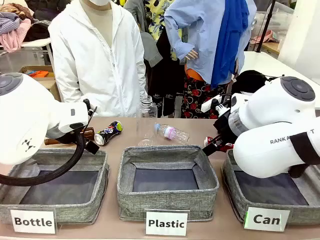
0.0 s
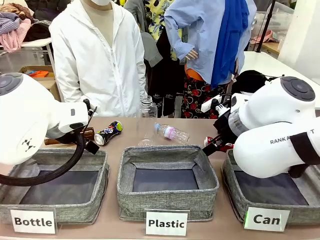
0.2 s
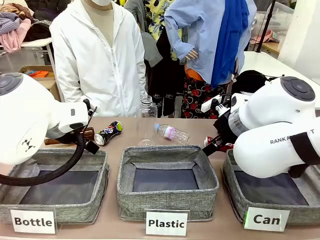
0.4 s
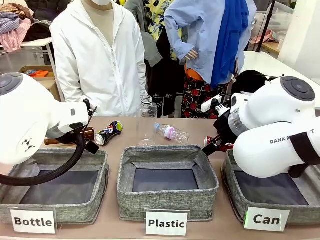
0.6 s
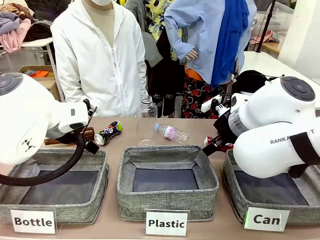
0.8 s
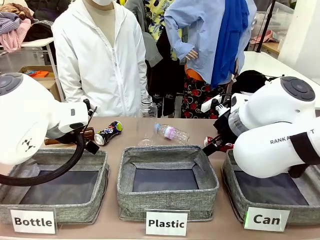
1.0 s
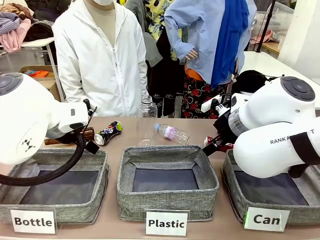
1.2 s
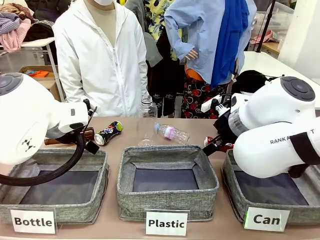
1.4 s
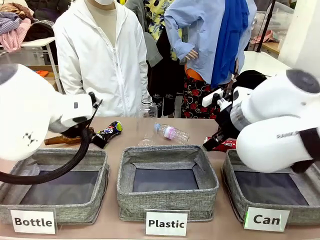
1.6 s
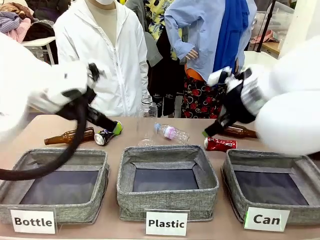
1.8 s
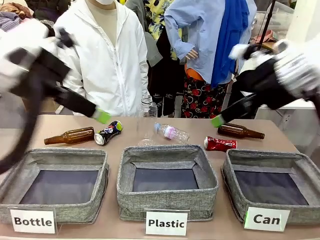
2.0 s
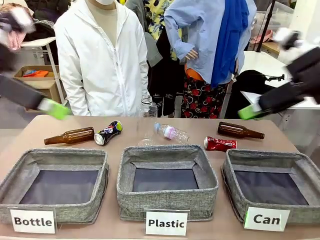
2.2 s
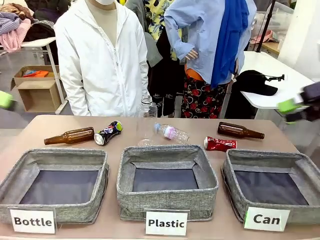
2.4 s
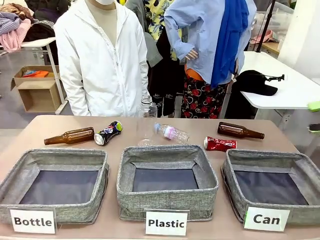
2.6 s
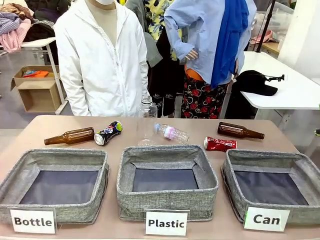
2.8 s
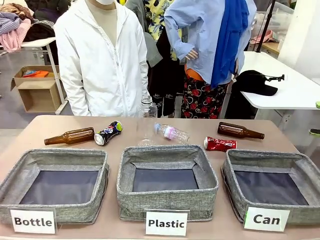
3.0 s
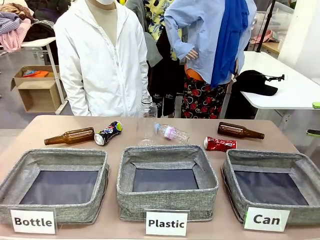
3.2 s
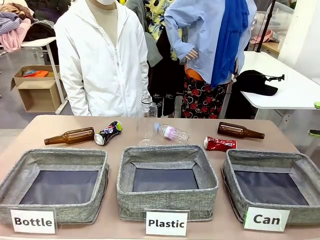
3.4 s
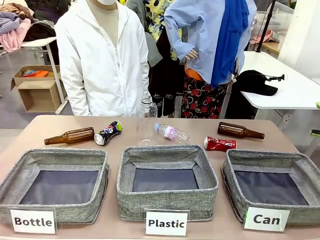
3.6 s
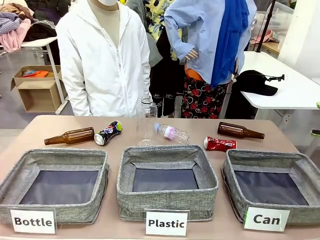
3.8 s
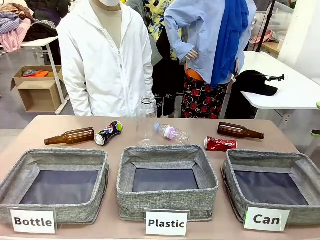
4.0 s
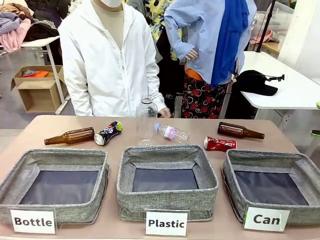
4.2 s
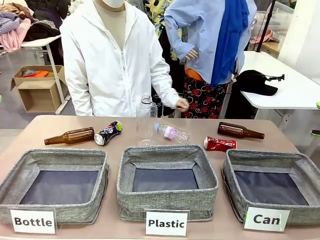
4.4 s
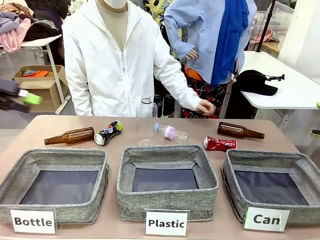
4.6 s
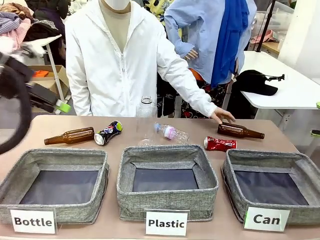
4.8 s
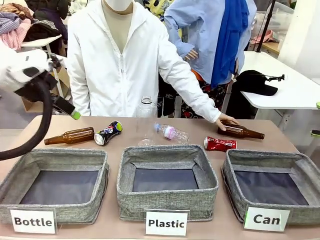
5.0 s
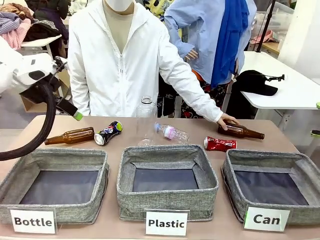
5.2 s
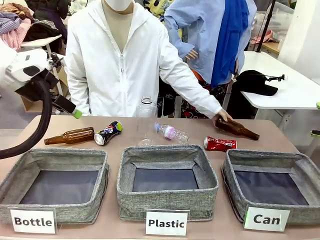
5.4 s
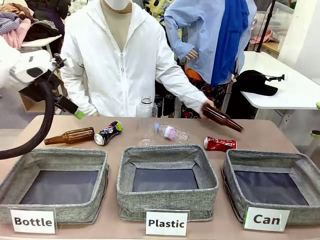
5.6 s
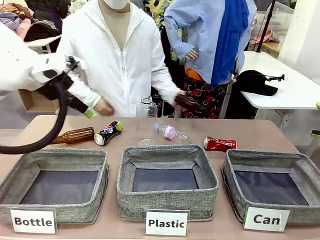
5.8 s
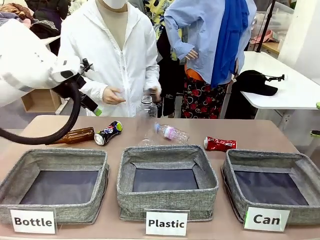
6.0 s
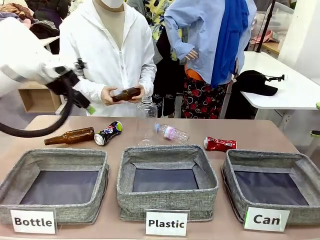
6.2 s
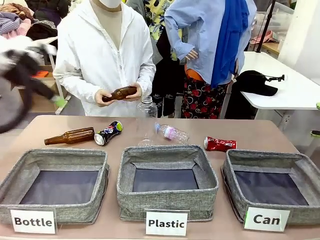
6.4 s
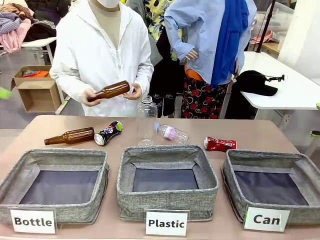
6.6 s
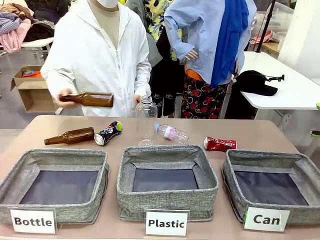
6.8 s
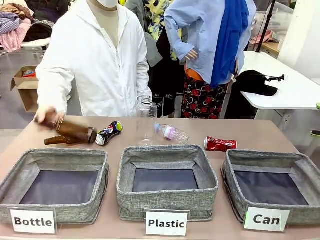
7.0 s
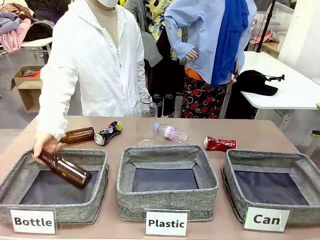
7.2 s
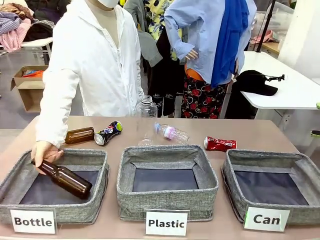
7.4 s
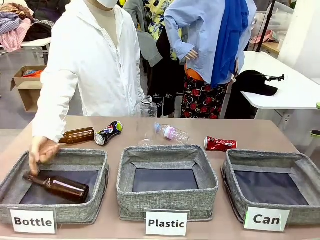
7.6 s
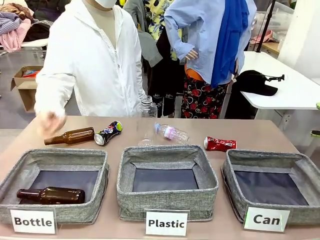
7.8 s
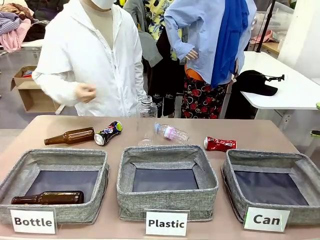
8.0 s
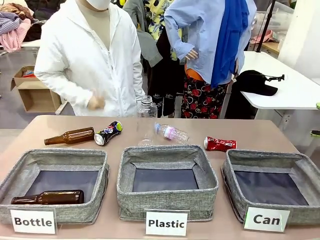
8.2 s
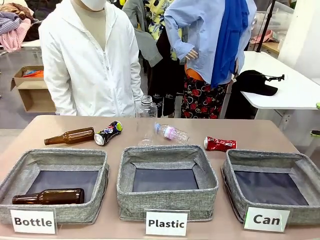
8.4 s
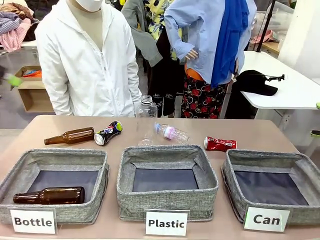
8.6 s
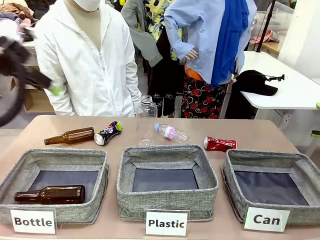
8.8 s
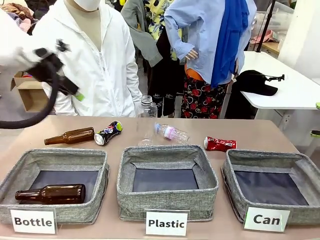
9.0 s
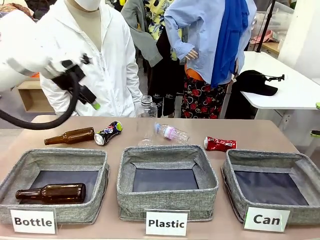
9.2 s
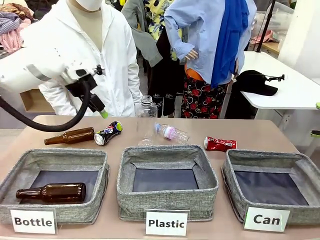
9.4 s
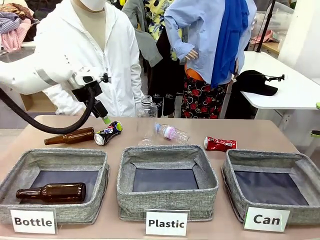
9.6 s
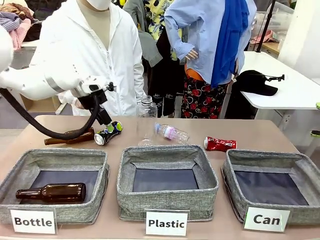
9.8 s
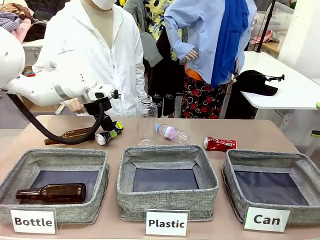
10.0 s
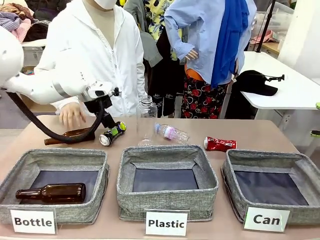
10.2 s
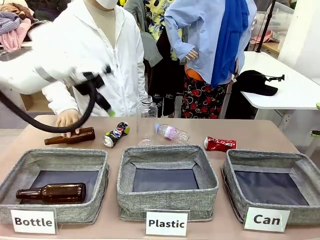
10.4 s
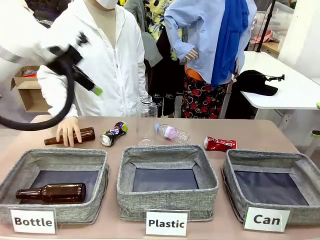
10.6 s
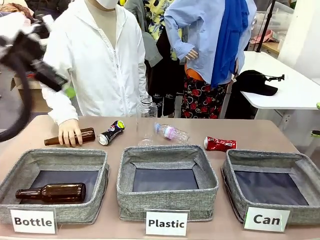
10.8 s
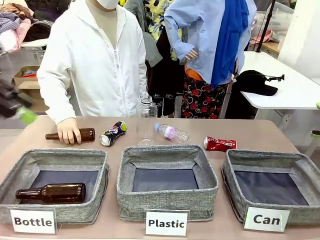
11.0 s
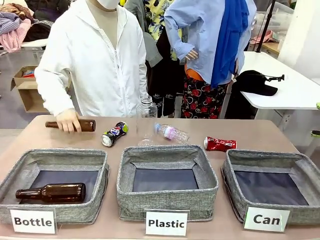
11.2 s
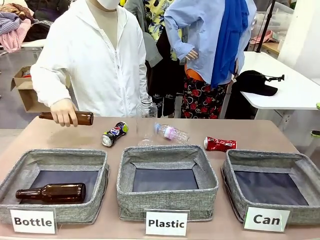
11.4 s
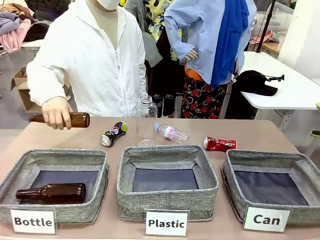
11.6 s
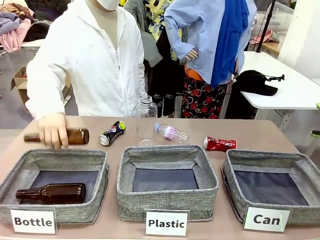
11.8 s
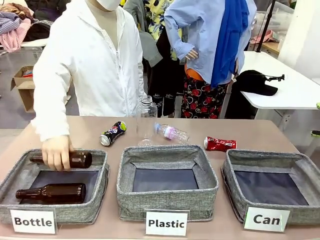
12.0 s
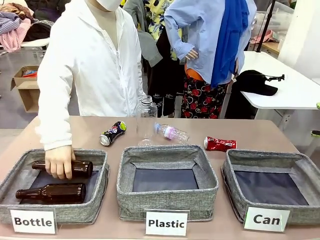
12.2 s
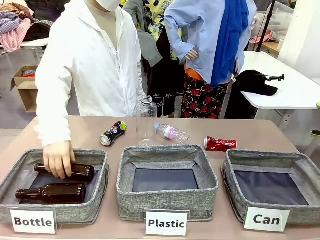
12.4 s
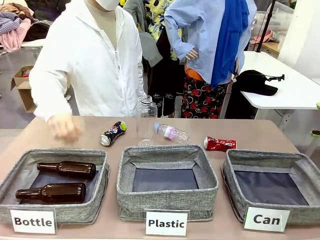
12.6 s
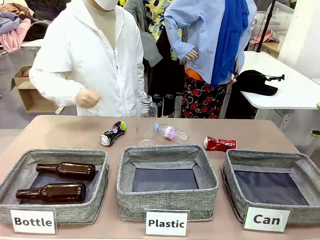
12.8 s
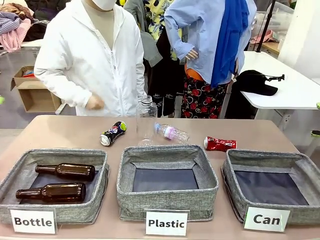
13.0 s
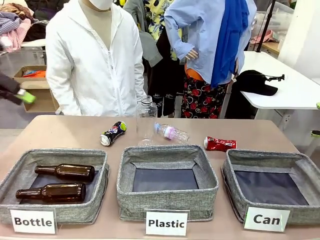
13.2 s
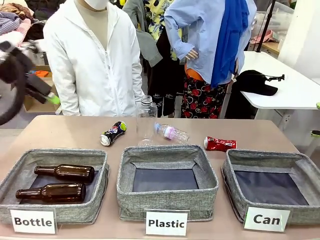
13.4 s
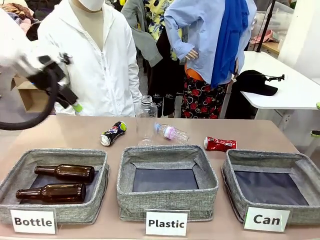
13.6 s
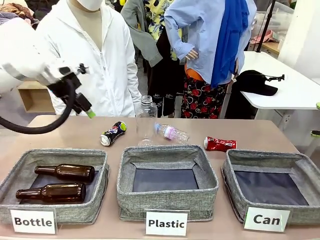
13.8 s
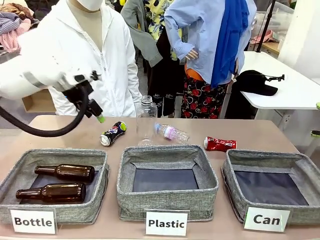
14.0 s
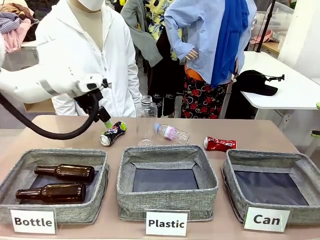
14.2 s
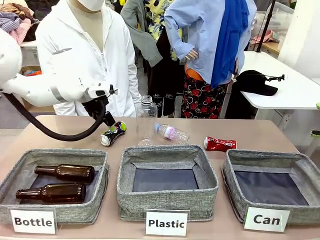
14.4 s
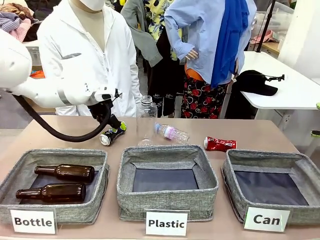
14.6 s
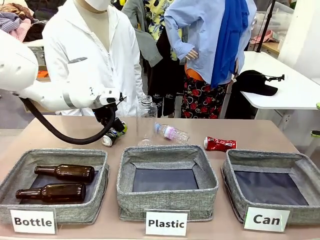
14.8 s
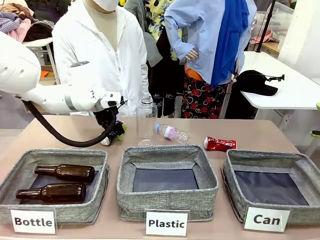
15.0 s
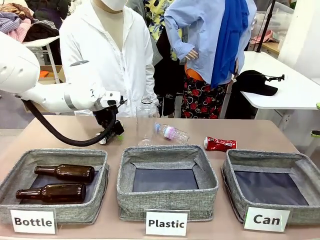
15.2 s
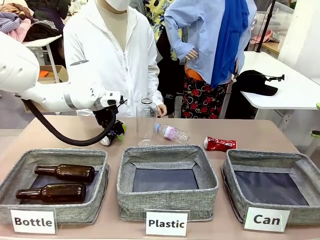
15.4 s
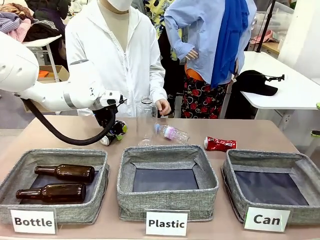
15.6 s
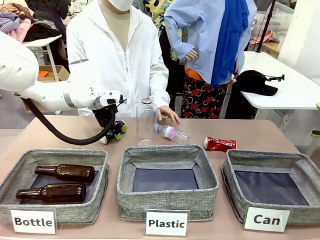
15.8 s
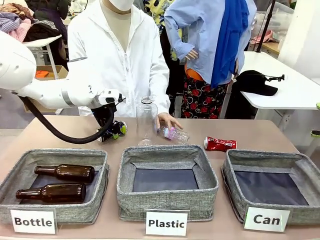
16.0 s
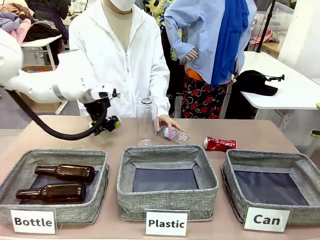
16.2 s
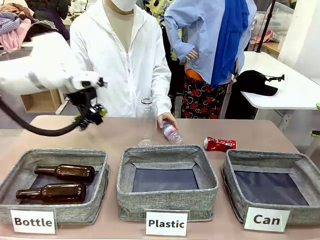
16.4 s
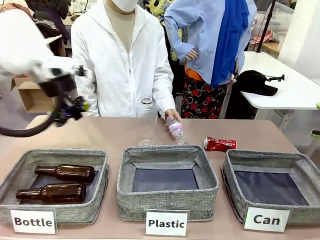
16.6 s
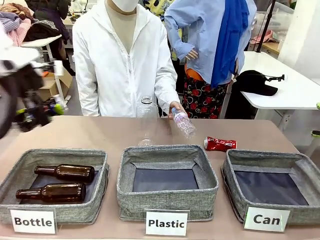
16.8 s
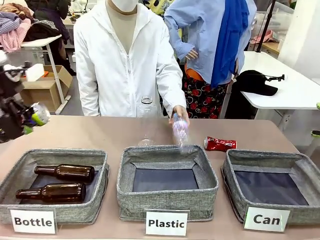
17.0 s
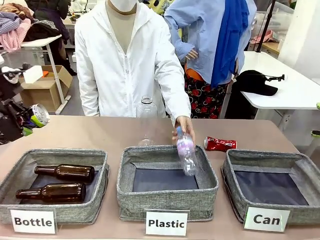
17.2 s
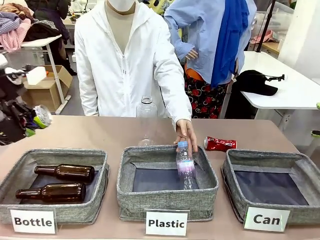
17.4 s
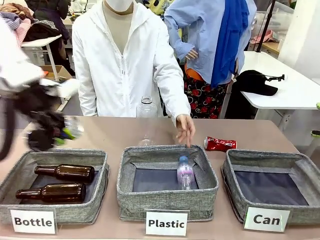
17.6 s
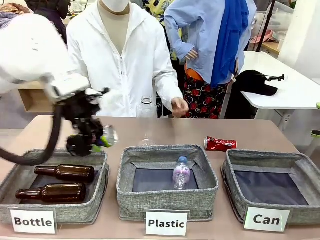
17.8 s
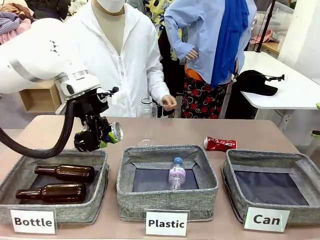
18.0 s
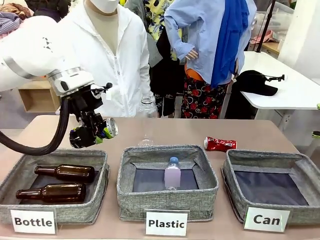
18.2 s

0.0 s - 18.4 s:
Task: Sort the can waste into the basket.
Robot: Pick up the can waste from the table and place it in the right Fabric basket.
